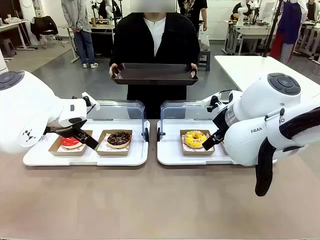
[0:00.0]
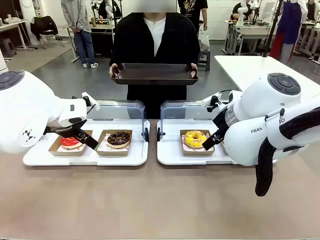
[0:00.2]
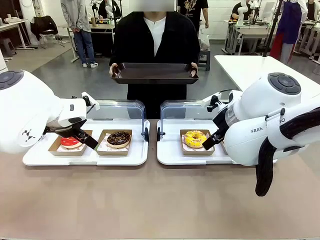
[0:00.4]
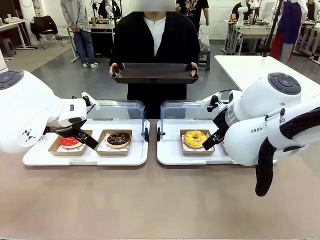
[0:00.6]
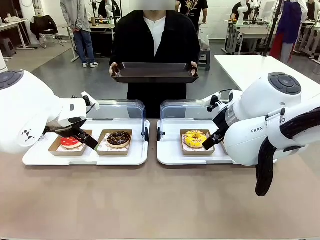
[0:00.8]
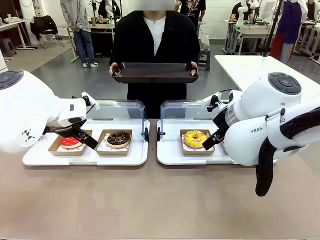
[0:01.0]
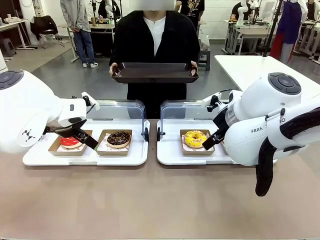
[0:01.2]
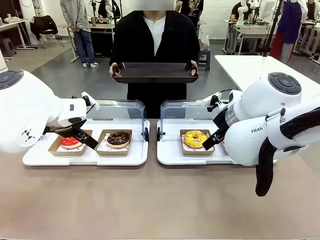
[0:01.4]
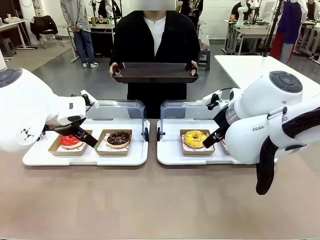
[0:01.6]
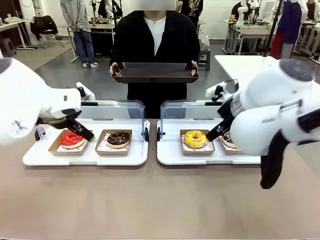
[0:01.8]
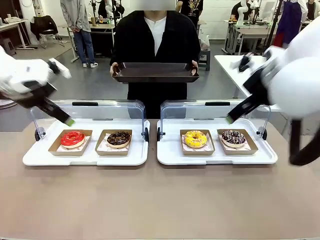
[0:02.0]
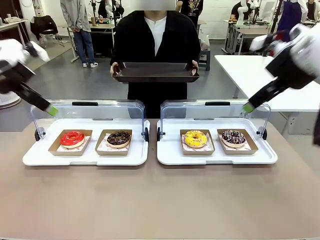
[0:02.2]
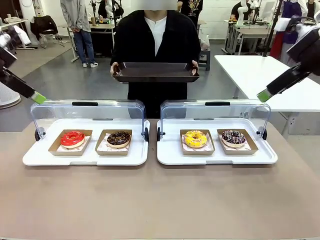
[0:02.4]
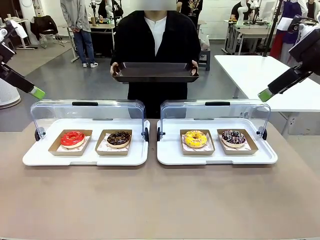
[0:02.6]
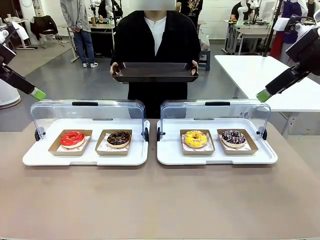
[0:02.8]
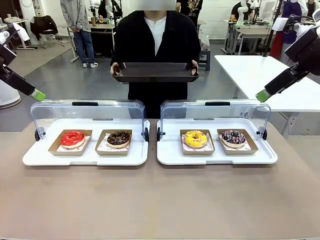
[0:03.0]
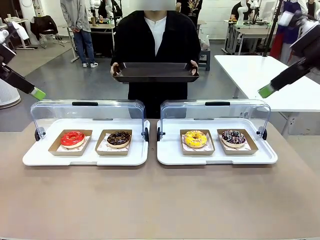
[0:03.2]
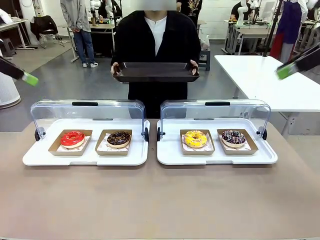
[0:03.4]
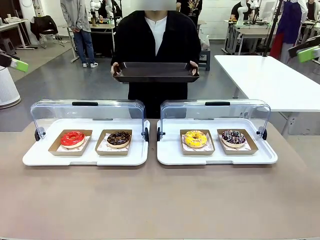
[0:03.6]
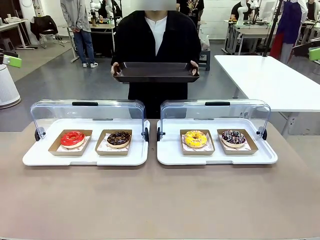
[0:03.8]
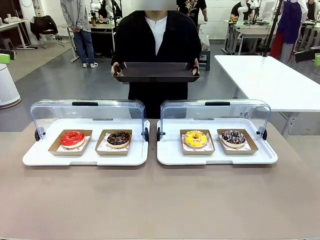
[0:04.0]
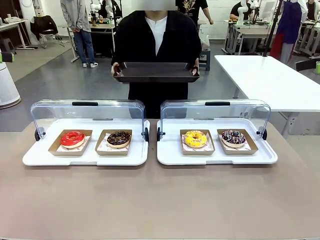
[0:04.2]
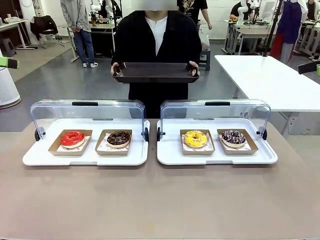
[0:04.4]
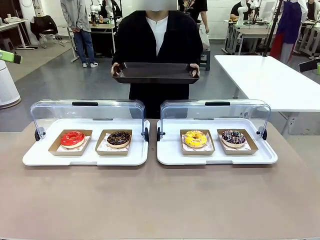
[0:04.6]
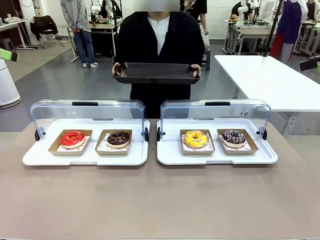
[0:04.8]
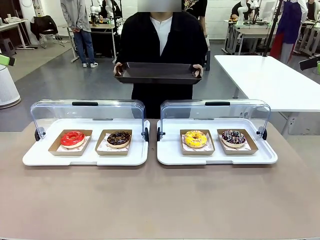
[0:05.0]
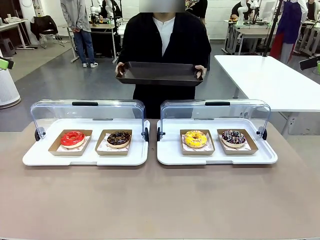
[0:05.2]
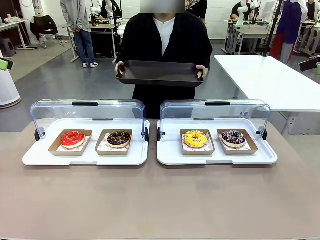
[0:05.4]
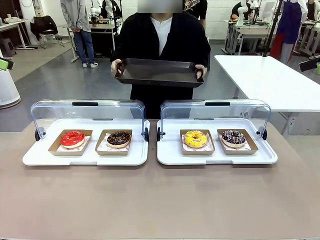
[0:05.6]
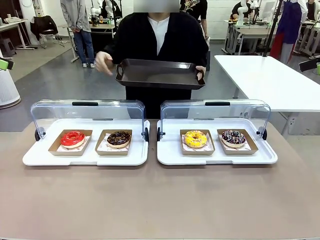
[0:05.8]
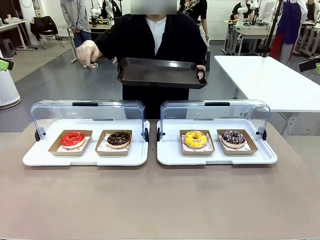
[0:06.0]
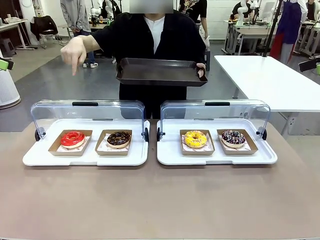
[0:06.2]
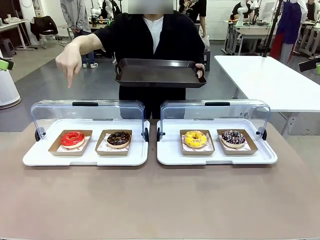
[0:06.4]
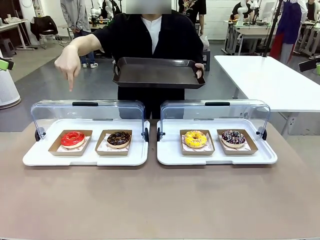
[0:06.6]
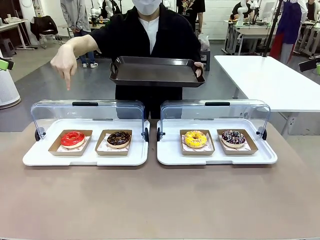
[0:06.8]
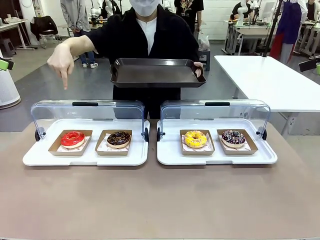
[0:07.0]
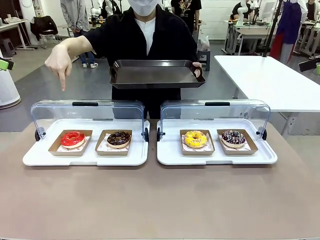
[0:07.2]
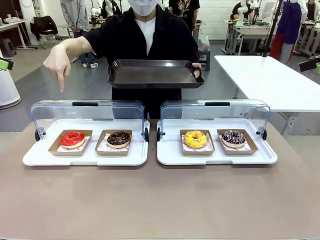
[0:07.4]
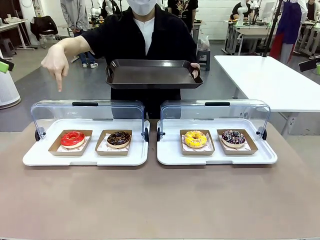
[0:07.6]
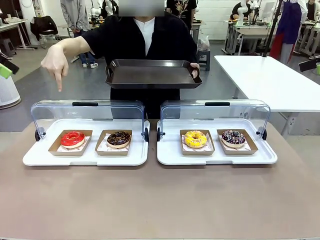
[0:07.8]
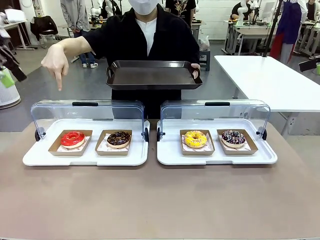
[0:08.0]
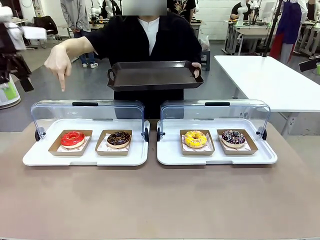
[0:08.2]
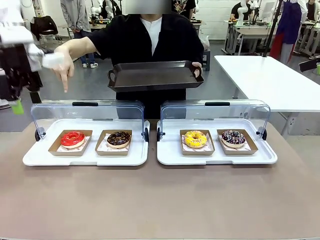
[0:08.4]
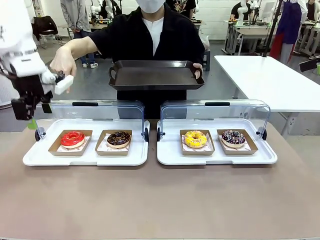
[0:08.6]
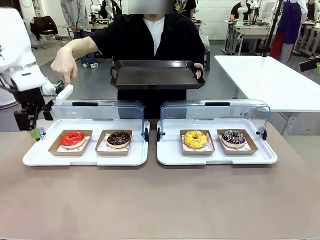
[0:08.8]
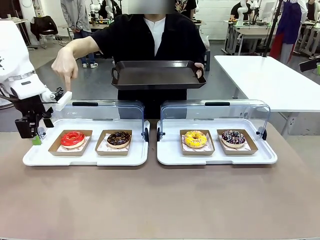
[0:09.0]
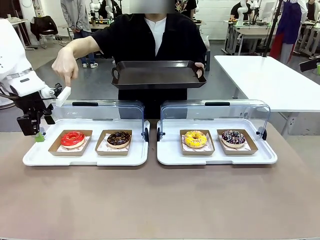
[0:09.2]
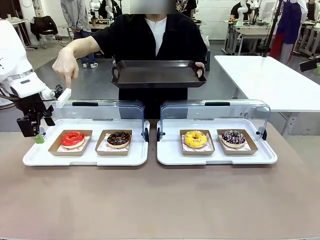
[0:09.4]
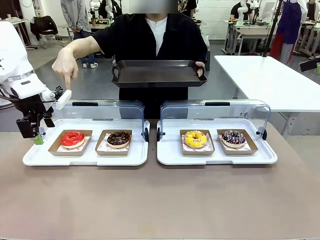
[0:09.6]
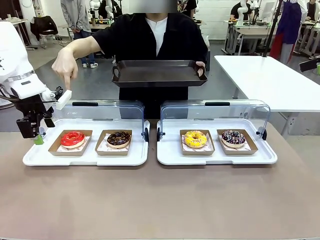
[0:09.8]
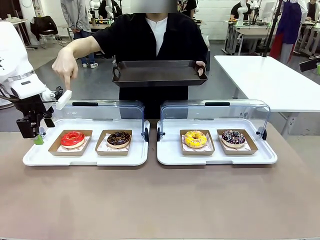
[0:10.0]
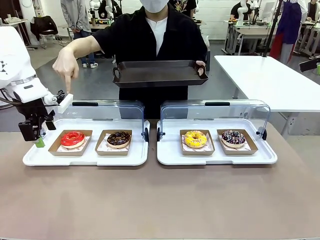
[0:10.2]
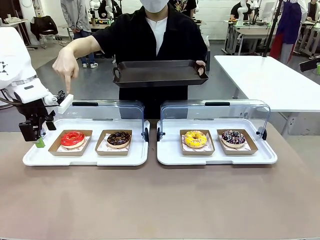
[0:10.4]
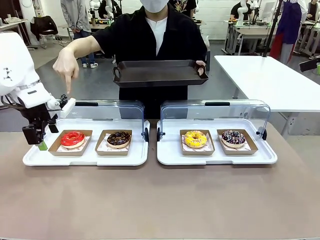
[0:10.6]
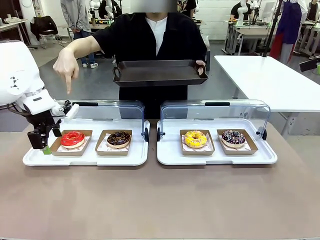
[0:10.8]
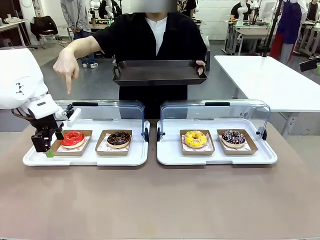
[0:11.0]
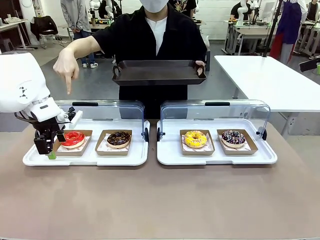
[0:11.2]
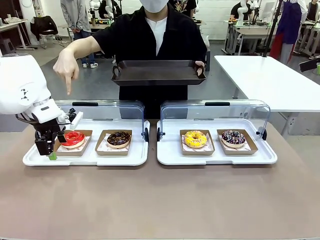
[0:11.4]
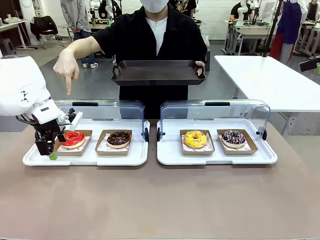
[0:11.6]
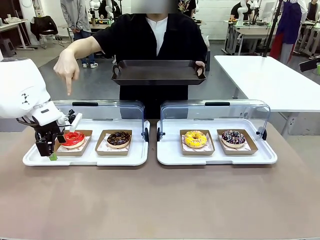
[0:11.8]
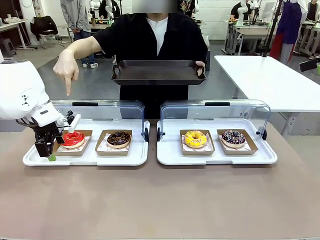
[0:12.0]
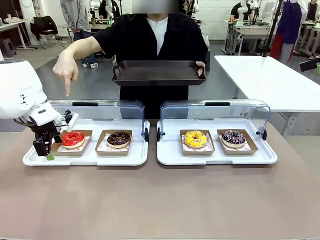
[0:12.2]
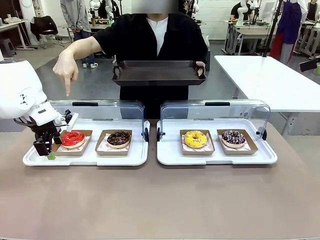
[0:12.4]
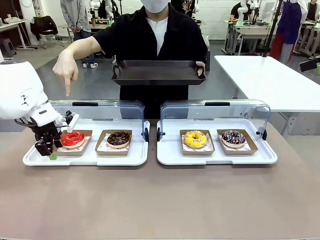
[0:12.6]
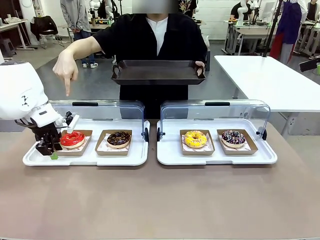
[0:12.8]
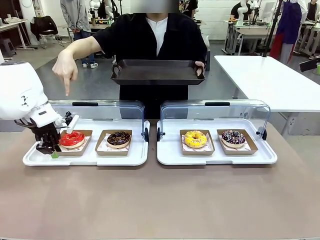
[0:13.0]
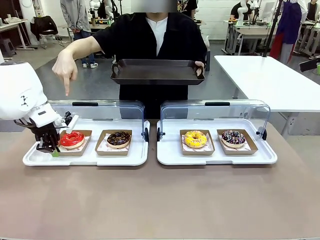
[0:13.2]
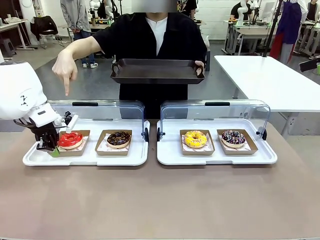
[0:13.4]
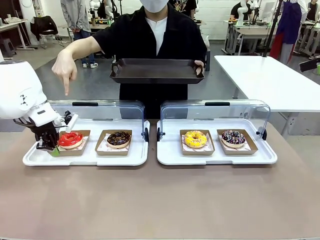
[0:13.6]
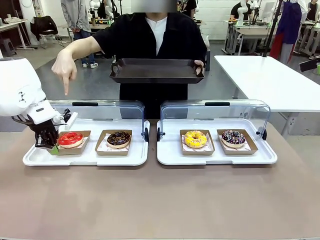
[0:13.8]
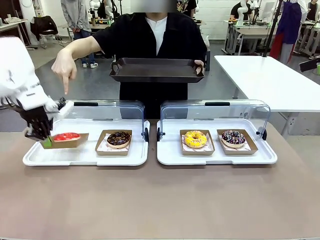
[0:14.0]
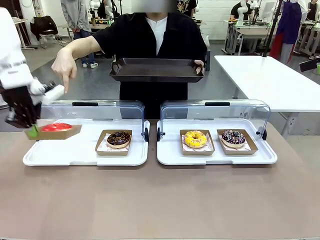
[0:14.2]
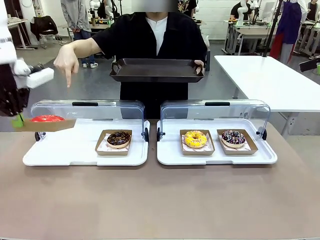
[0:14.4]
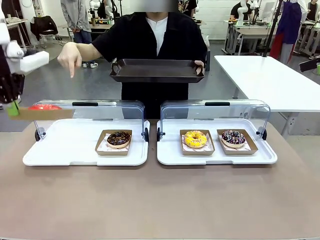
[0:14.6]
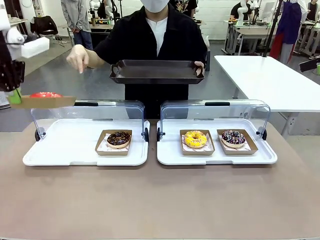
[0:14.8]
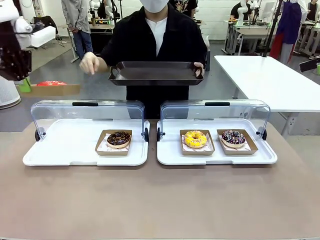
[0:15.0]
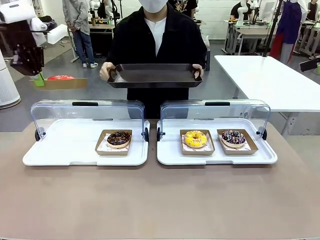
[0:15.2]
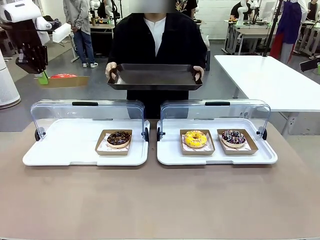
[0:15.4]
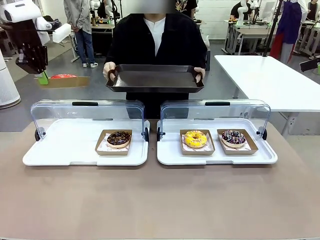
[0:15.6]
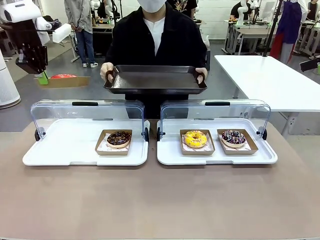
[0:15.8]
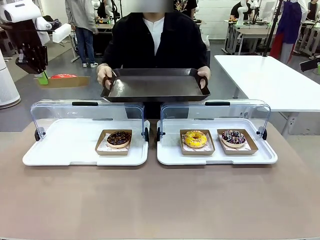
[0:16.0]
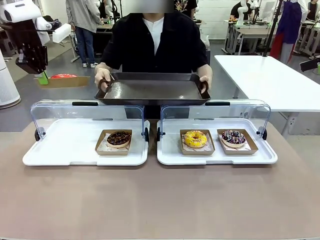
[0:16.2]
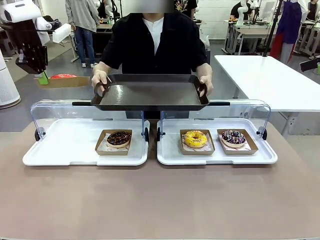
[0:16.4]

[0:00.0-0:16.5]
Task: Provide the desired donut to the person.
Robot: Pick up and lift the Paper togo box containing the Donut pointed at by the person.
Person: Point to one donut. Lift the tray onto the Roll-Top Bakery Case.

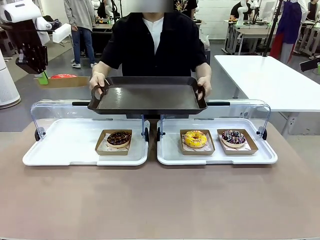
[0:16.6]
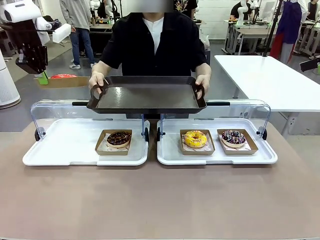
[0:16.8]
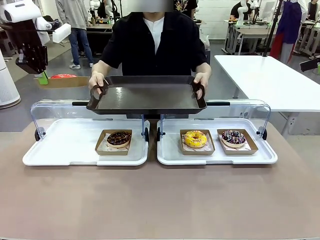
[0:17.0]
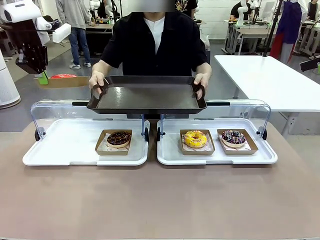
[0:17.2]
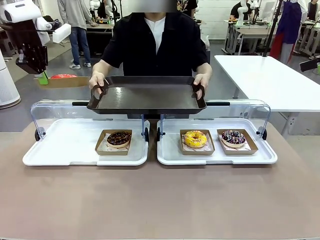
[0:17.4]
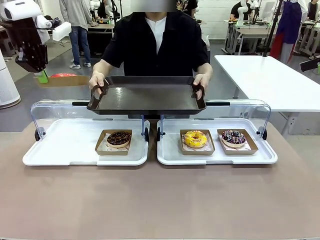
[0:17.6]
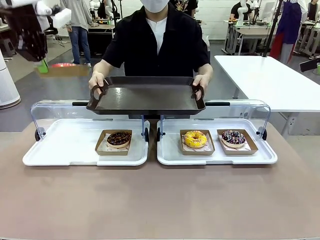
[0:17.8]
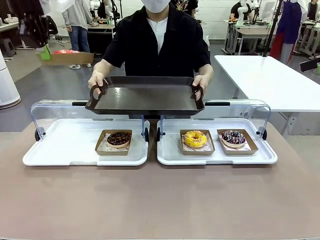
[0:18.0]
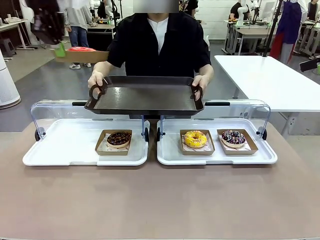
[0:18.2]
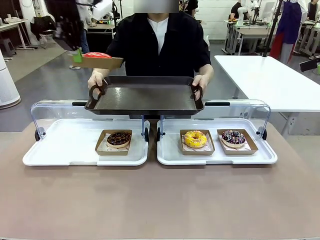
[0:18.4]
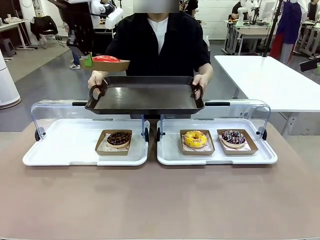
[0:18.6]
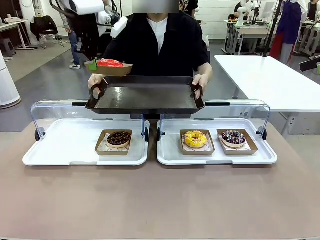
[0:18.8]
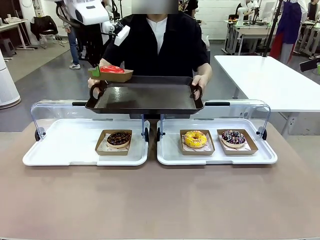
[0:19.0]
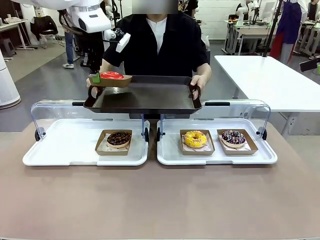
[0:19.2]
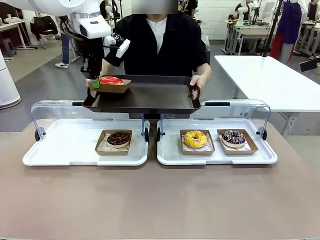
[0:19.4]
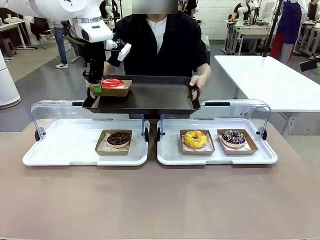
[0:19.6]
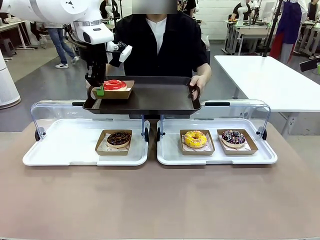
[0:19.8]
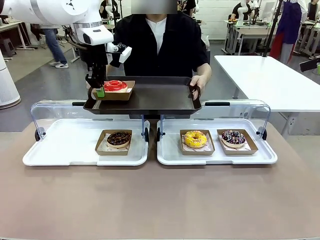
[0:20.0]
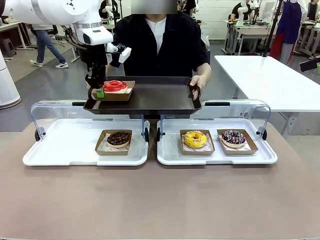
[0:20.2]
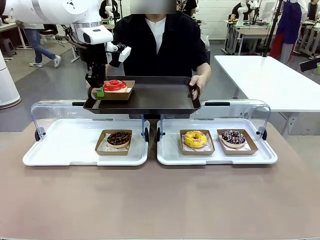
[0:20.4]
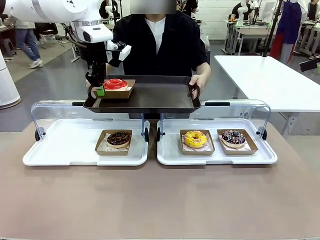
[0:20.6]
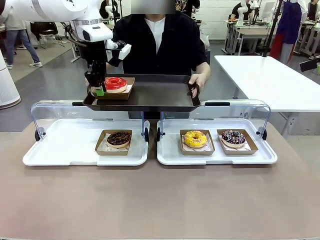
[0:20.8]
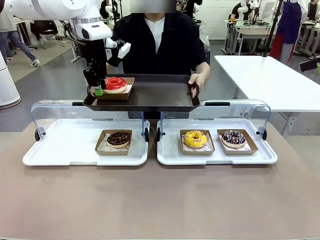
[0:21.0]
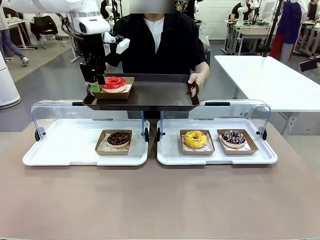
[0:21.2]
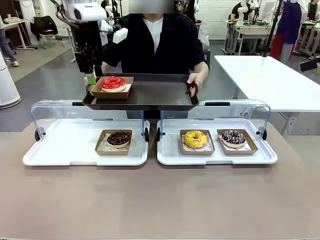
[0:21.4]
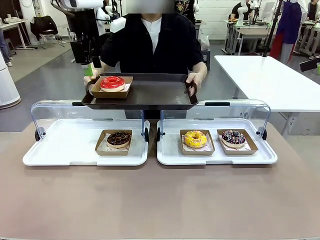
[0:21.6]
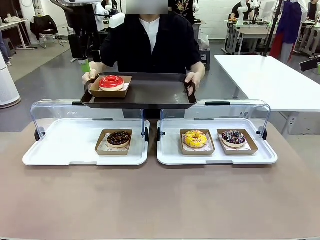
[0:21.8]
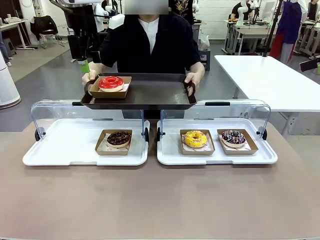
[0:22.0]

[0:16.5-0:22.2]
Robot: Place the picked Paper togo box onto the Handle tray extended by the person.
